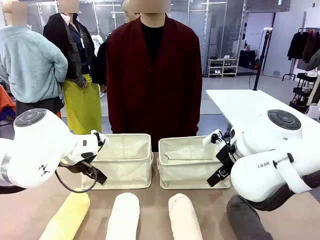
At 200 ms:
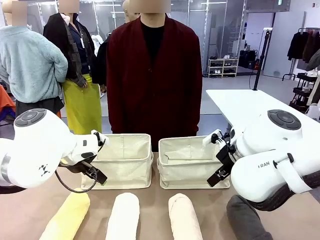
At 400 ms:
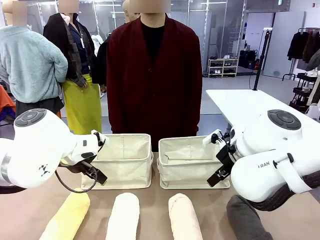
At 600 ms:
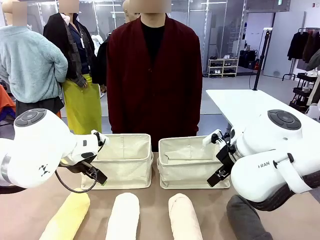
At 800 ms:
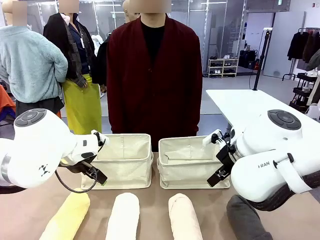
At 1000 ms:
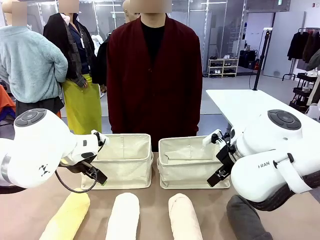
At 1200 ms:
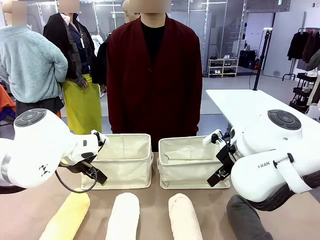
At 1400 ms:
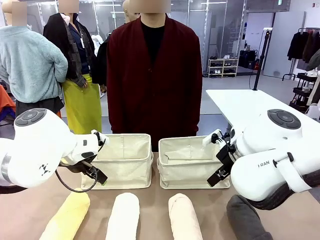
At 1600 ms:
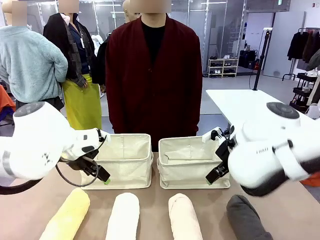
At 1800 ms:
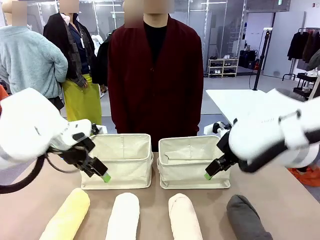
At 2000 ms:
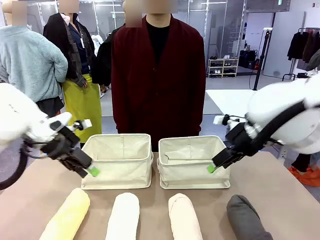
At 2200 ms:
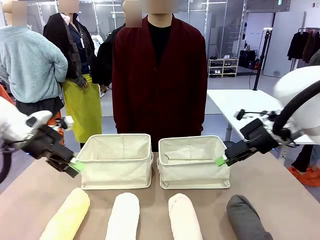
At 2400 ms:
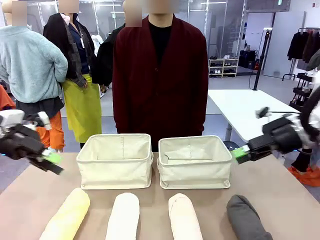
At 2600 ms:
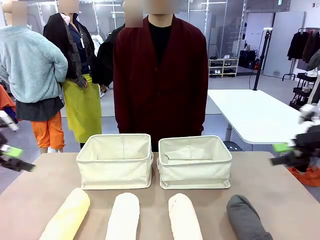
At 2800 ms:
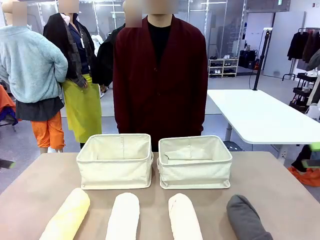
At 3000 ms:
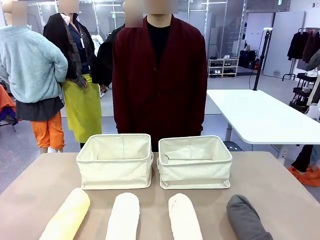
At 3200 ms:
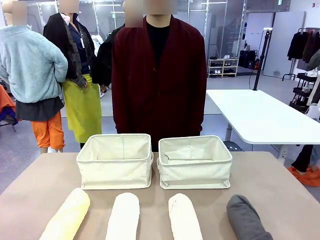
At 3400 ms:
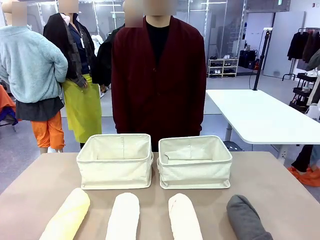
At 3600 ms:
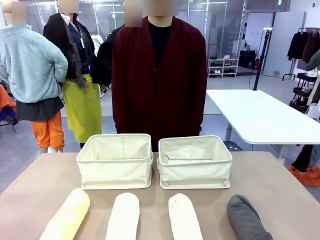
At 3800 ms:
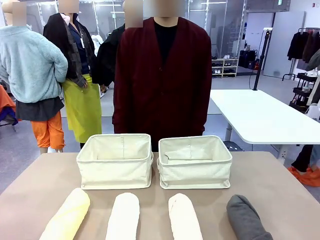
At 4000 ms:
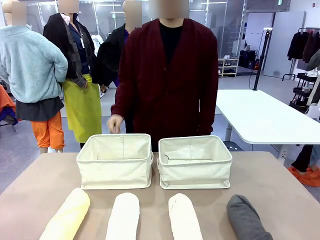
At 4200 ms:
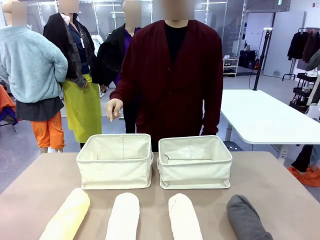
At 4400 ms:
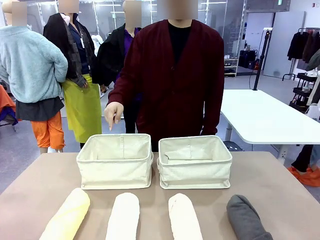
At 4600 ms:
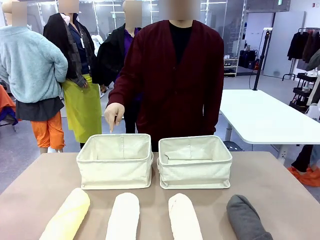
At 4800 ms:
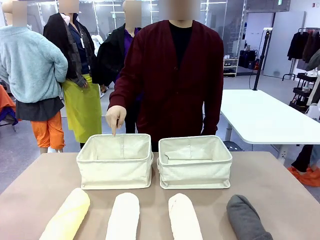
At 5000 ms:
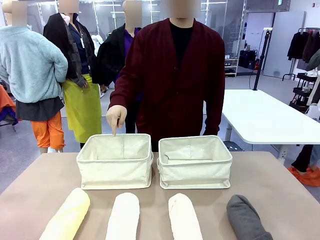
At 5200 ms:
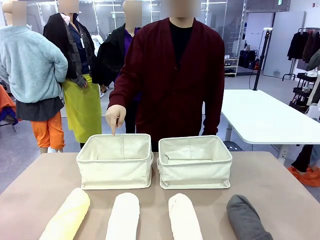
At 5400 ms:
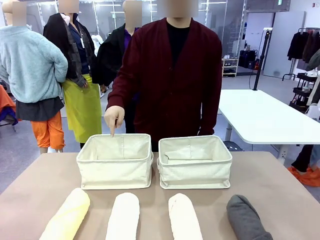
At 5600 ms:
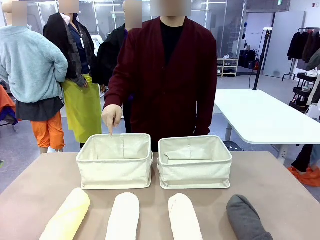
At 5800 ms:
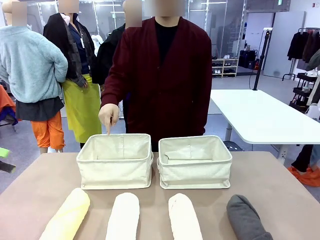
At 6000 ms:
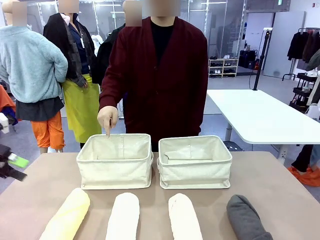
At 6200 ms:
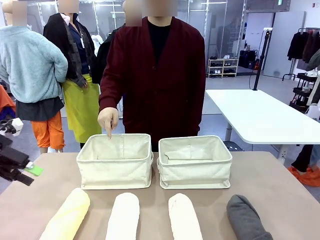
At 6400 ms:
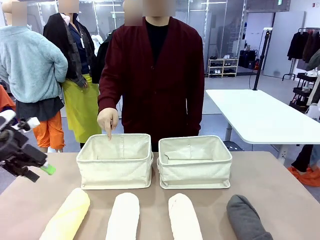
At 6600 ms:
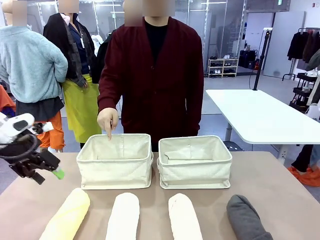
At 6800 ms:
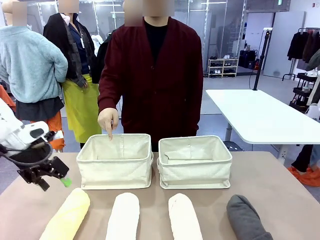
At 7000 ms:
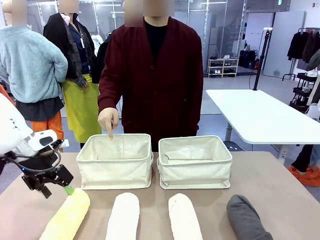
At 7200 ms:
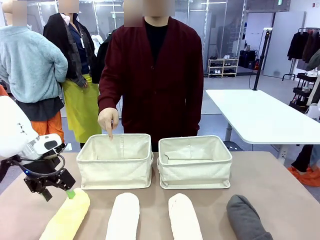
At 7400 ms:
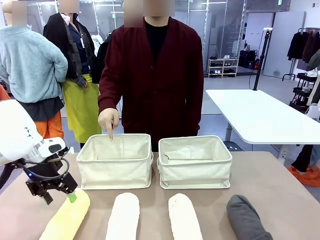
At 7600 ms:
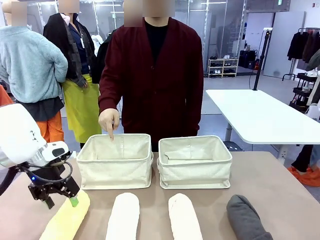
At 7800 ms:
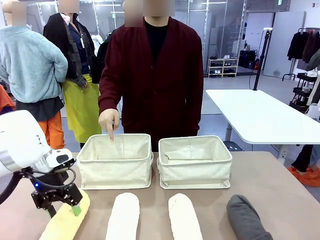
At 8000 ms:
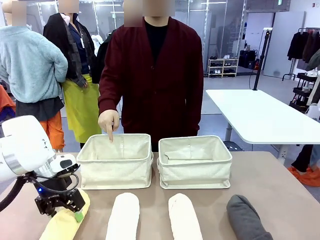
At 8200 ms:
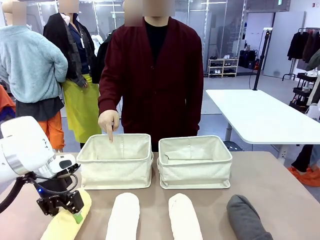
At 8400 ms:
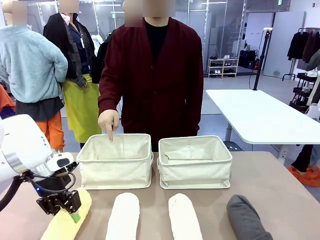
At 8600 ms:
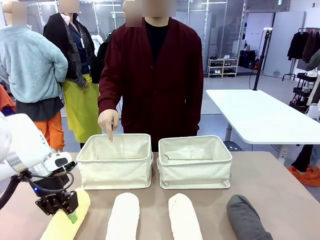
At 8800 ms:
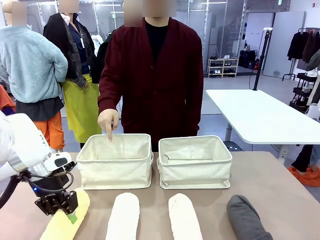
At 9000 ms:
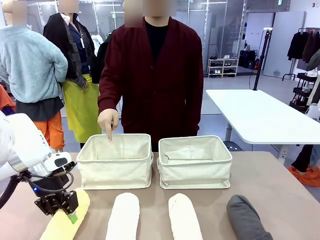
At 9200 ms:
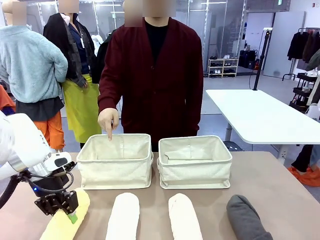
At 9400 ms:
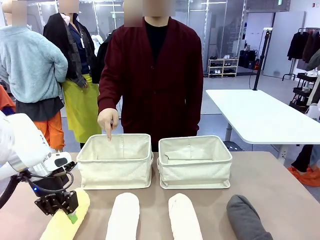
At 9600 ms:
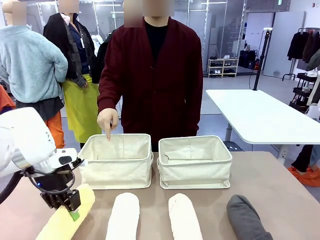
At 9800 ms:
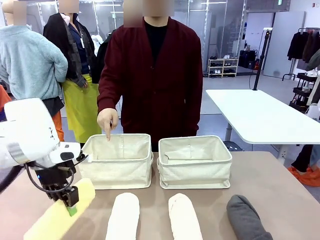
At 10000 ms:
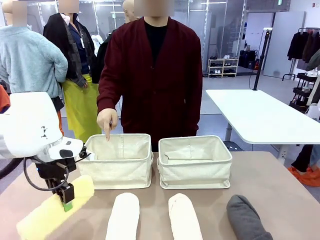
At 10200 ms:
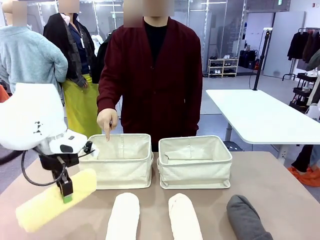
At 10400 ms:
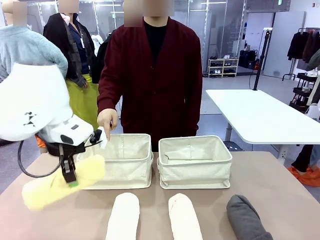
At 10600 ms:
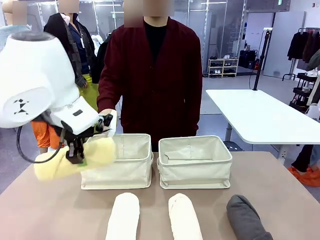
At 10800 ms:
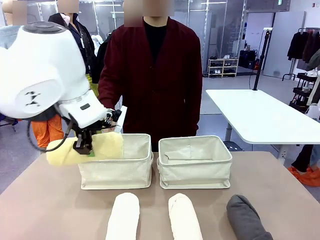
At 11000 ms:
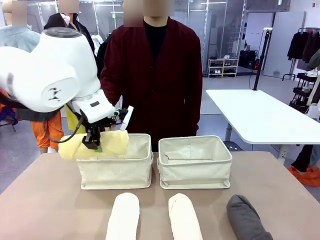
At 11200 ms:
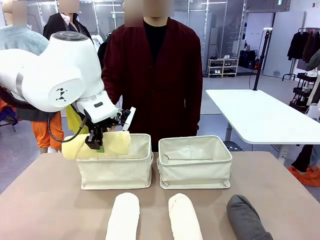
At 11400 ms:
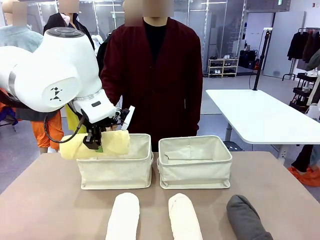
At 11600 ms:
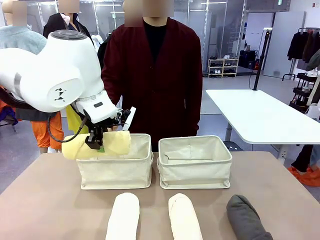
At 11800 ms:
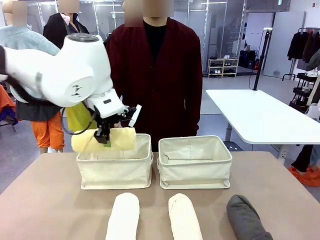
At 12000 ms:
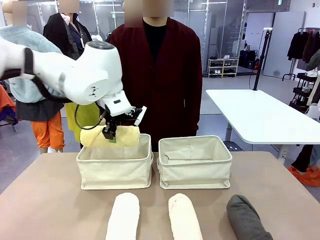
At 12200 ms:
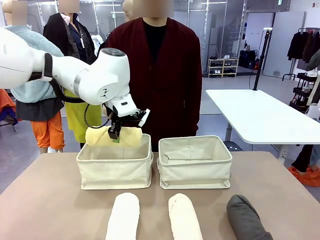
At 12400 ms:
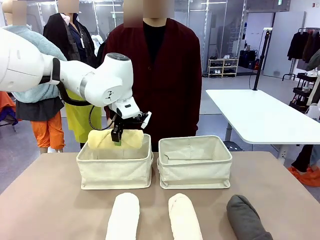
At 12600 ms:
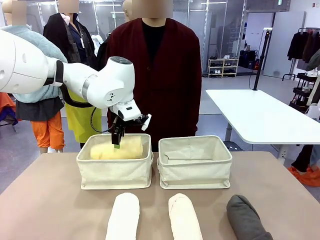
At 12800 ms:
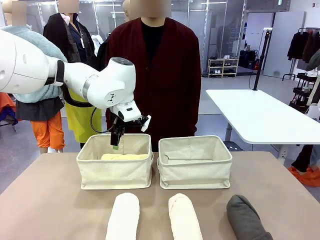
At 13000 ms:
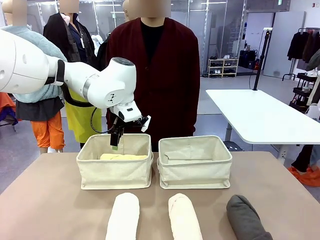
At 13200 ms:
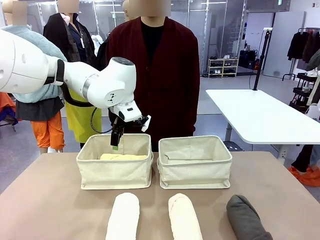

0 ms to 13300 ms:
Task: Divide the towels into two baskets.
Robot: Pick up one hotel-folded towel and place it in the Fabric basket indicated by the person.

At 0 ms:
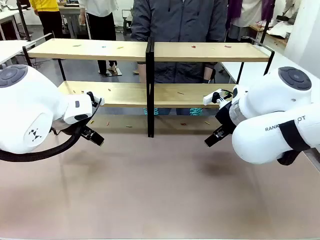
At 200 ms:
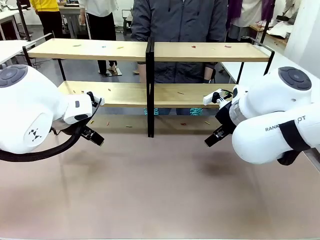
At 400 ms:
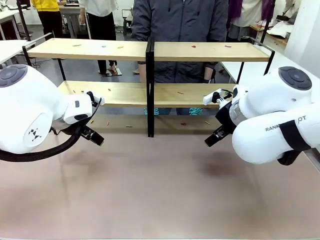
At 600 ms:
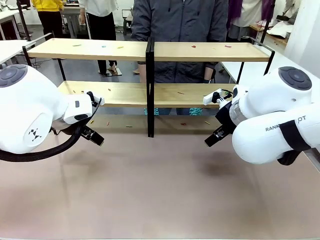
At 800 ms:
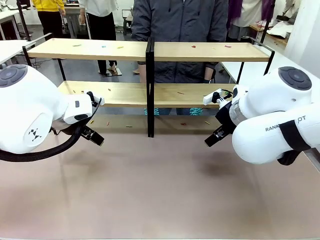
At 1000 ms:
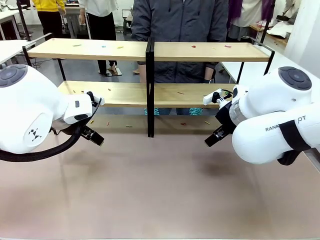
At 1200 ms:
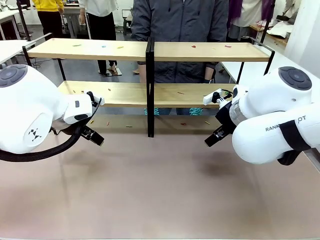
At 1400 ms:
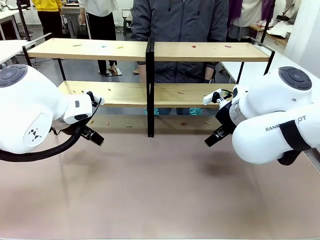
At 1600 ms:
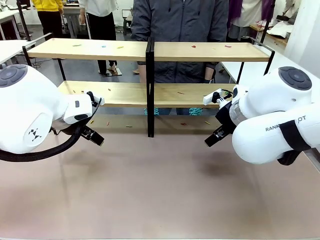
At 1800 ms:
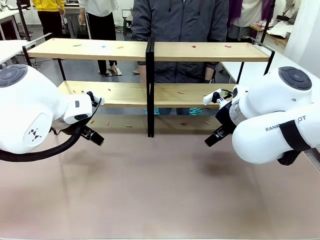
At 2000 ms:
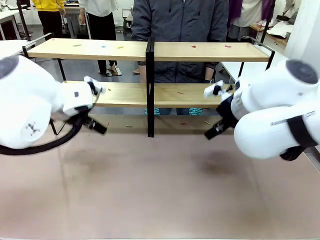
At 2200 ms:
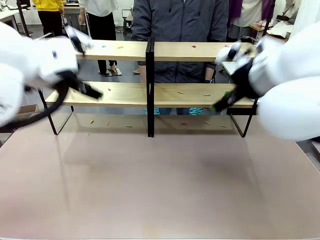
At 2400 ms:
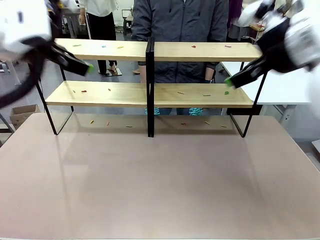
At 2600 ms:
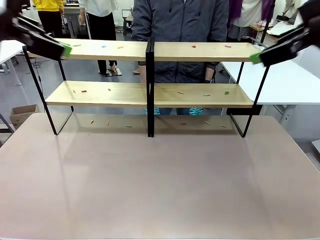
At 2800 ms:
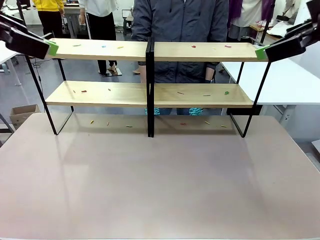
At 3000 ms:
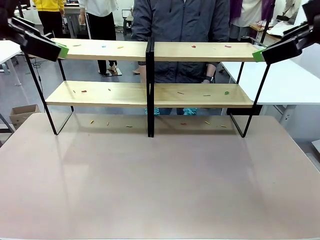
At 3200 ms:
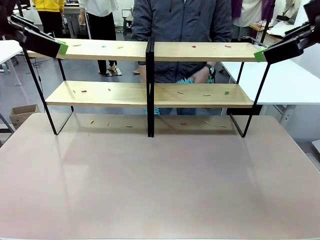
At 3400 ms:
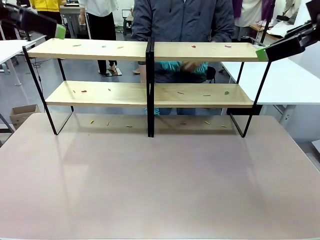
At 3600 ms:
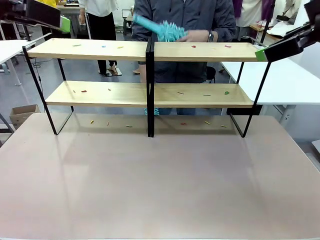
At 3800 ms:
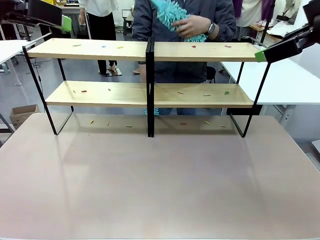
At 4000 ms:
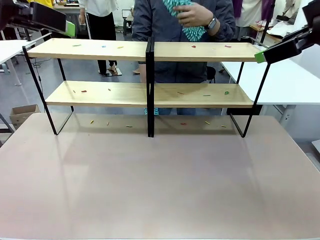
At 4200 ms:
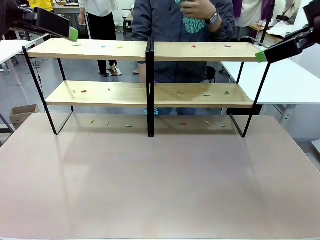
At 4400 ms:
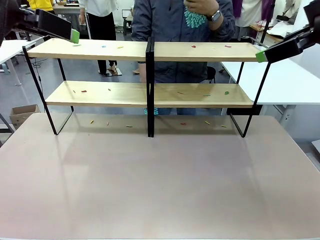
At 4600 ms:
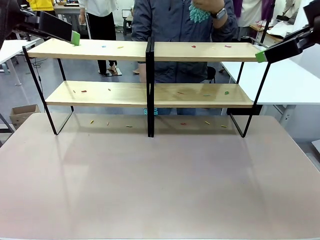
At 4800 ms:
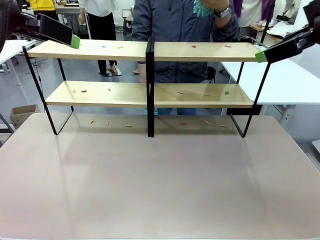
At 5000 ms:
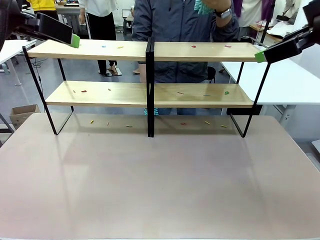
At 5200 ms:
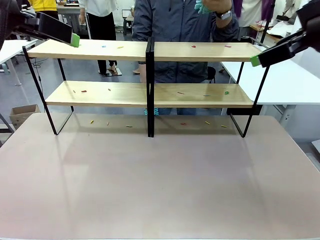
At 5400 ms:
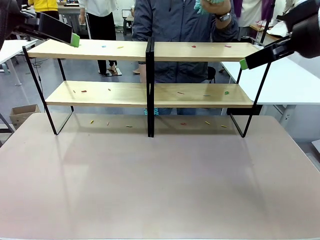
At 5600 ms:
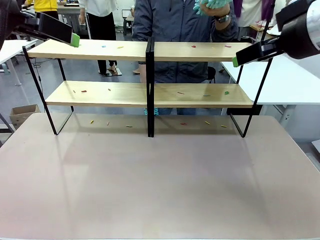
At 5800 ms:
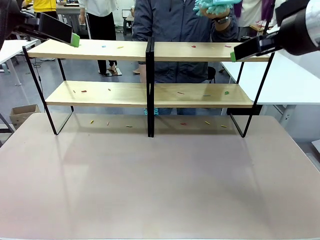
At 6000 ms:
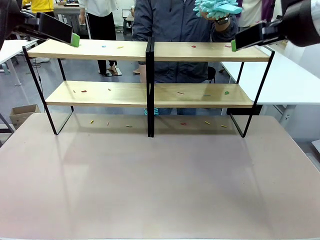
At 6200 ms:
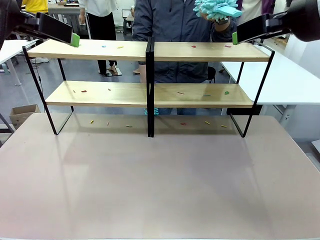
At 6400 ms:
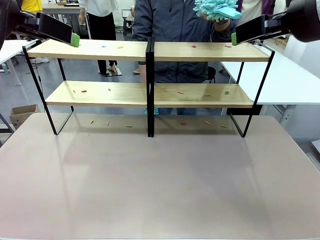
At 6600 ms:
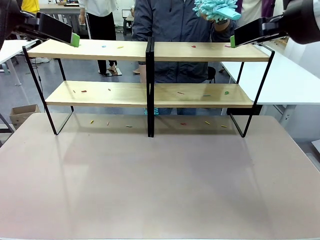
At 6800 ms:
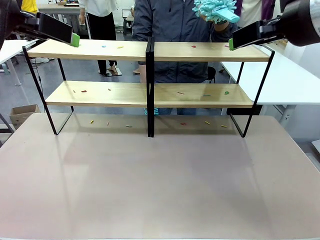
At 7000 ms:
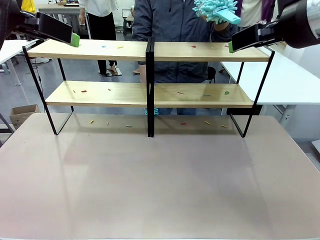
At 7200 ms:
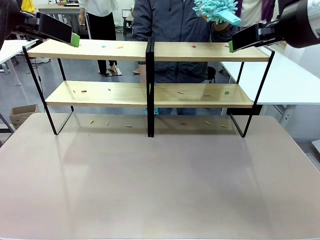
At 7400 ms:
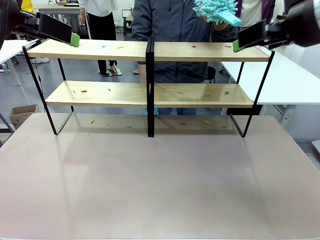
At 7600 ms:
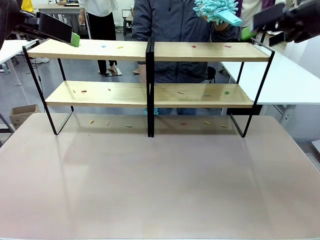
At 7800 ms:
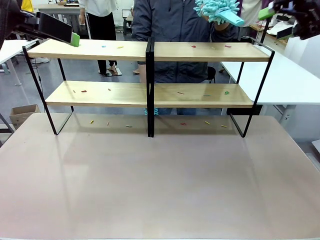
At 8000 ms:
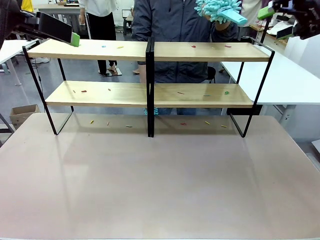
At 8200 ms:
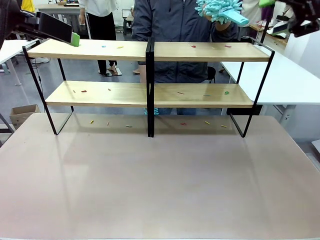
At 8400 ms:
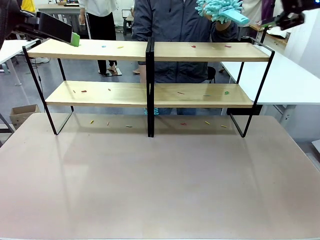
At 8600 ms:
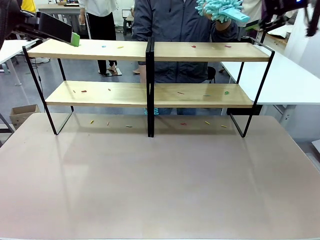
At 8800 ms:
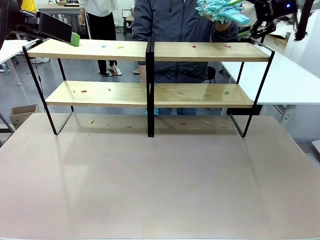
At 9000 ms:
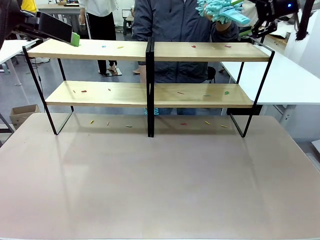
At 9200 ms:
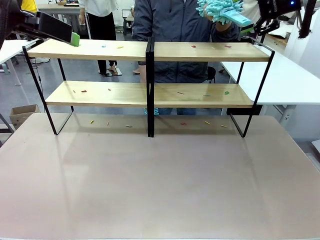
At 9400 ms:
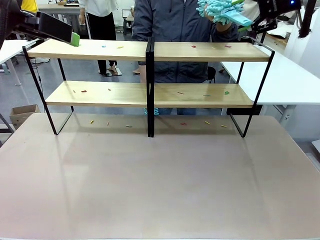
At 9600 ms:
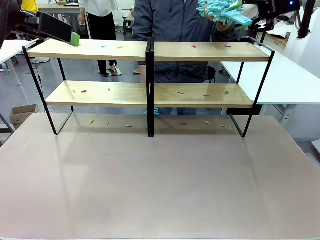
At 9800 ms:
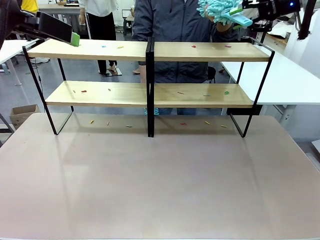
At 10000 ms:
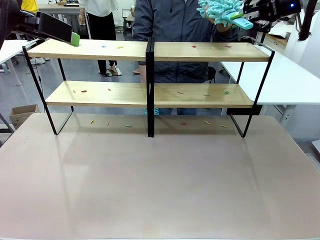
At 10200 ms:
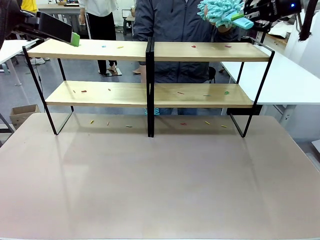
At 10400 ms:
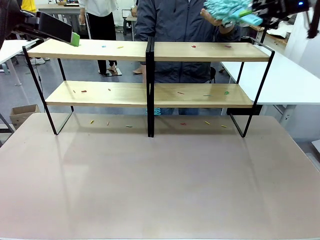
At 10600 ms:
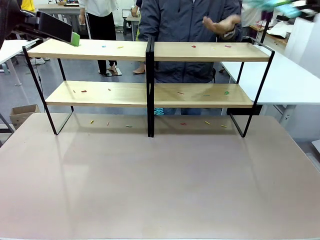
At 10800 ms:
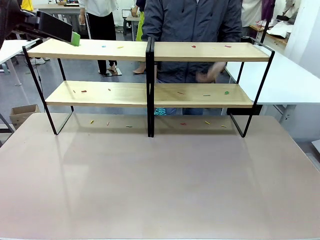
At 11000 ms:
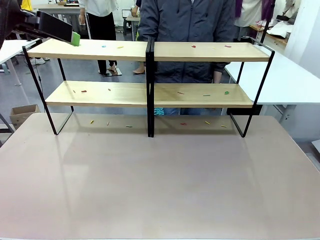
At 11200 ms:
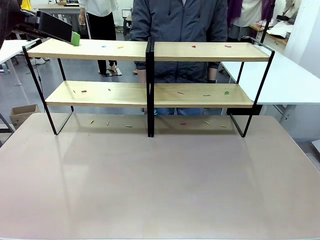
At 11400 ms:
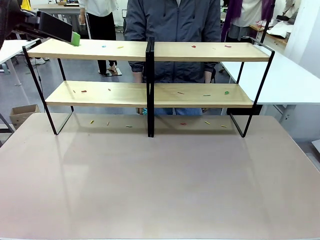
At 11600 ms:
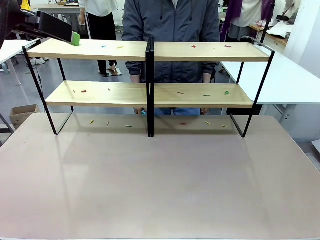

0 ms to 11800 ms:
Task: Clean the shelves.
Robot: Pick up the Duster when the human hands it over.
Person: Hand the Duster to the robot with your right (or left) hand.
